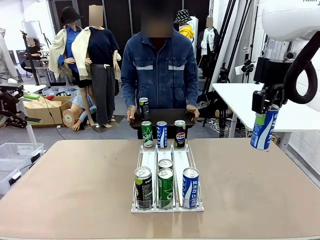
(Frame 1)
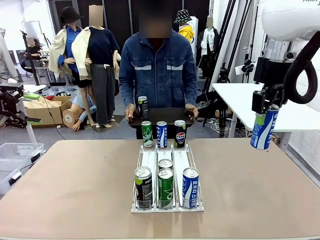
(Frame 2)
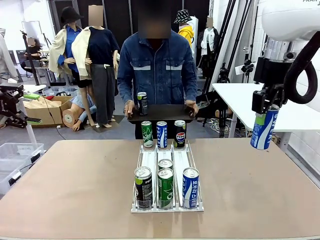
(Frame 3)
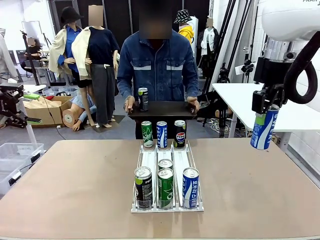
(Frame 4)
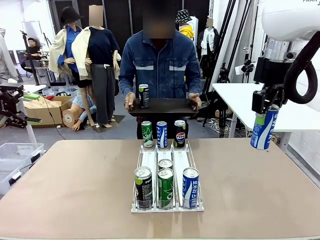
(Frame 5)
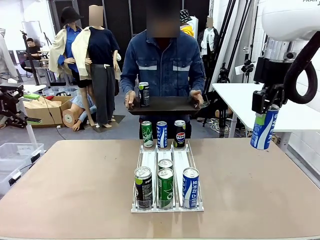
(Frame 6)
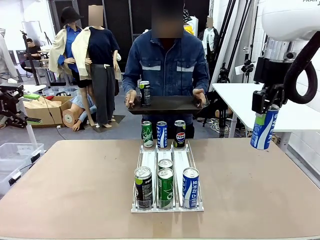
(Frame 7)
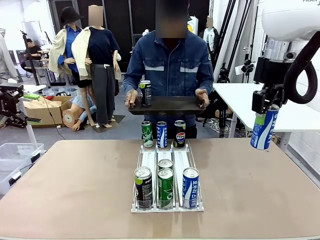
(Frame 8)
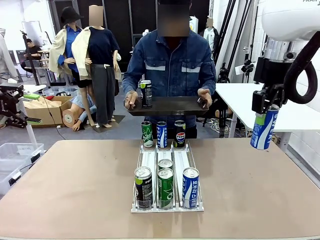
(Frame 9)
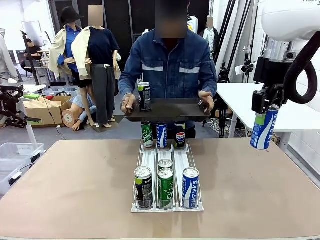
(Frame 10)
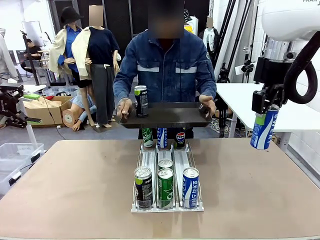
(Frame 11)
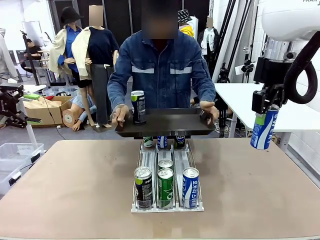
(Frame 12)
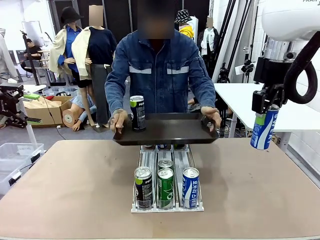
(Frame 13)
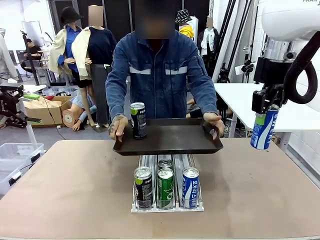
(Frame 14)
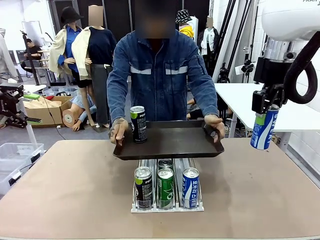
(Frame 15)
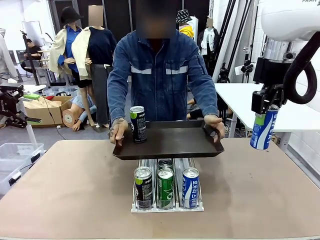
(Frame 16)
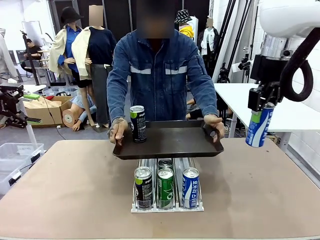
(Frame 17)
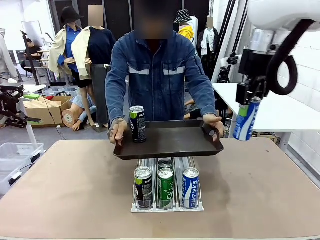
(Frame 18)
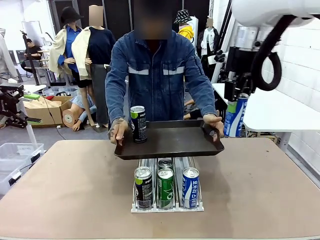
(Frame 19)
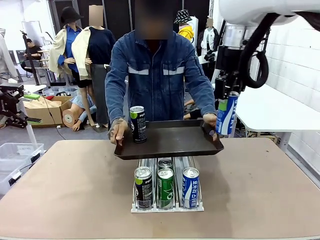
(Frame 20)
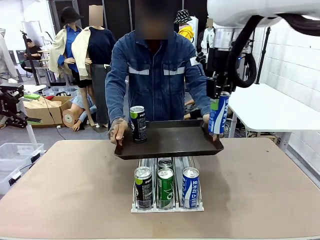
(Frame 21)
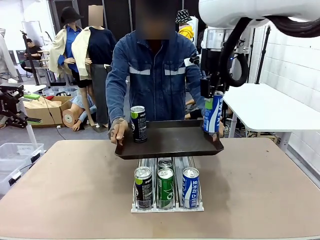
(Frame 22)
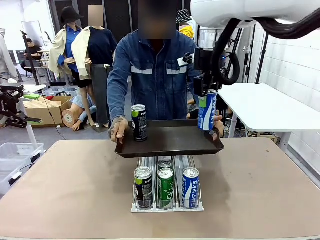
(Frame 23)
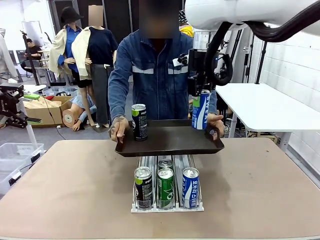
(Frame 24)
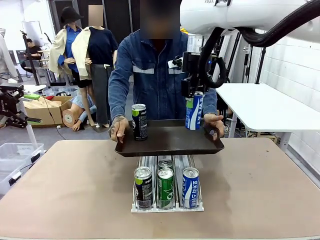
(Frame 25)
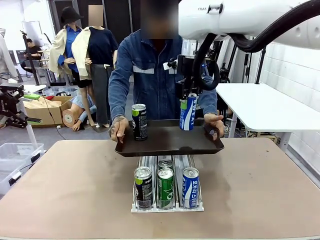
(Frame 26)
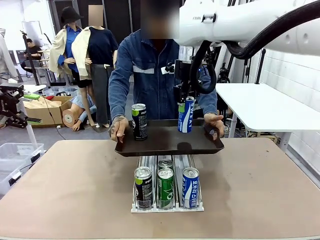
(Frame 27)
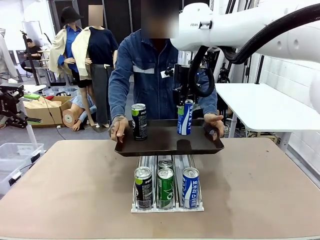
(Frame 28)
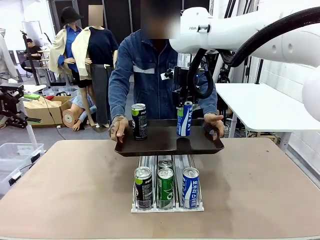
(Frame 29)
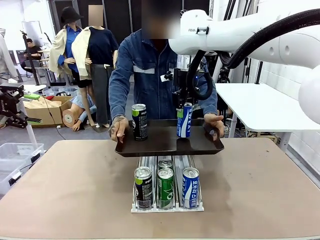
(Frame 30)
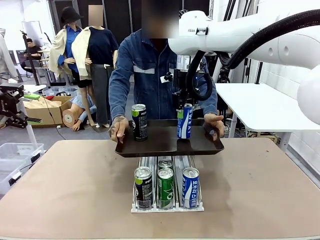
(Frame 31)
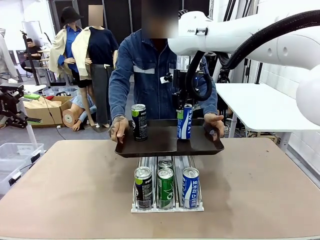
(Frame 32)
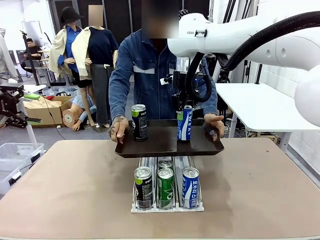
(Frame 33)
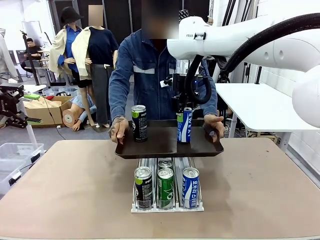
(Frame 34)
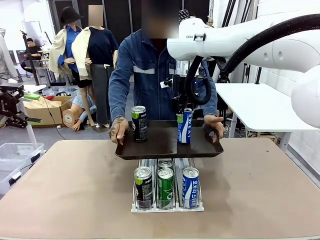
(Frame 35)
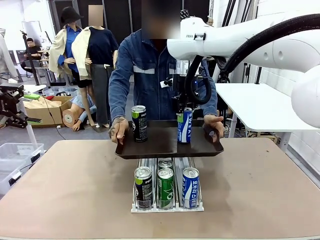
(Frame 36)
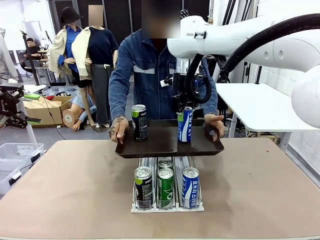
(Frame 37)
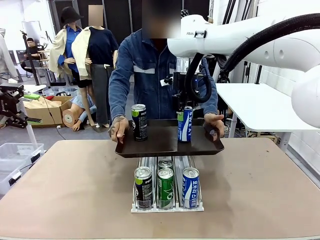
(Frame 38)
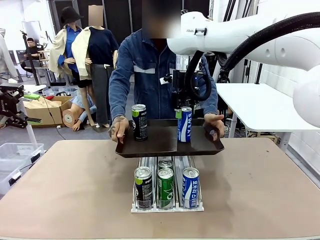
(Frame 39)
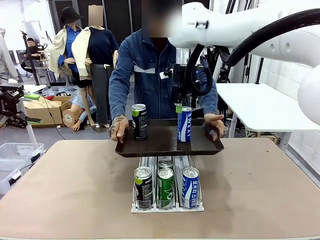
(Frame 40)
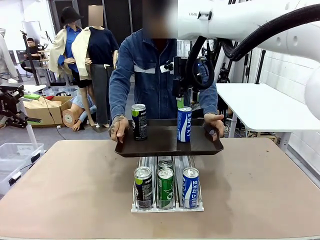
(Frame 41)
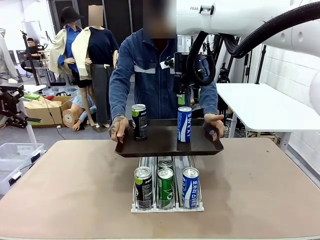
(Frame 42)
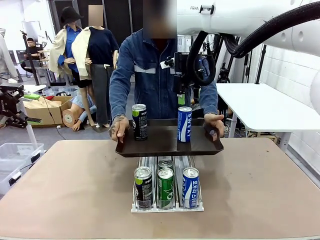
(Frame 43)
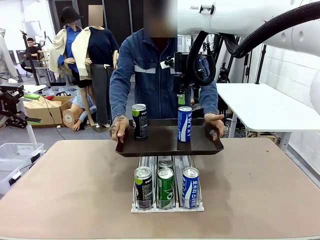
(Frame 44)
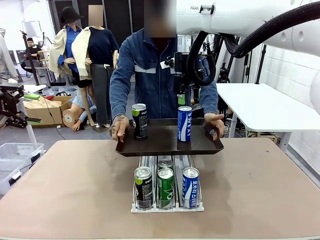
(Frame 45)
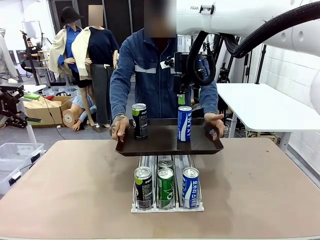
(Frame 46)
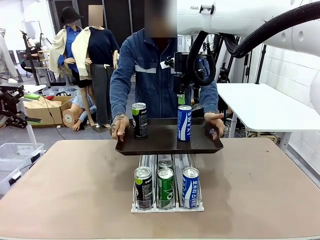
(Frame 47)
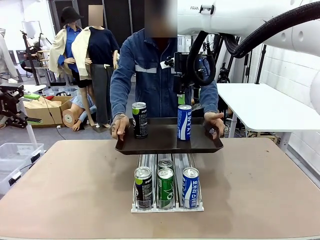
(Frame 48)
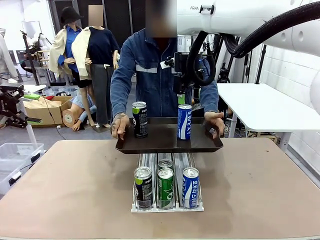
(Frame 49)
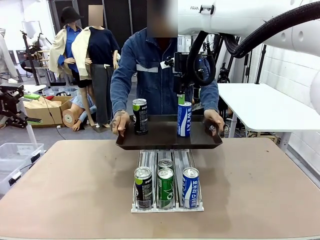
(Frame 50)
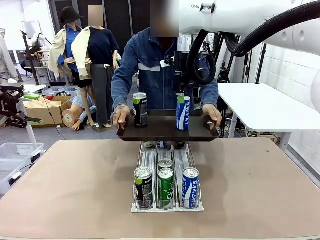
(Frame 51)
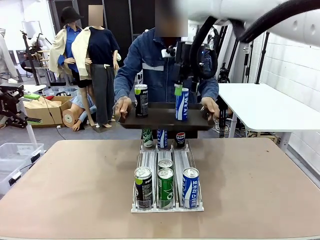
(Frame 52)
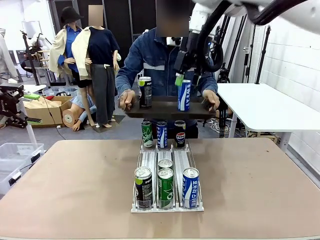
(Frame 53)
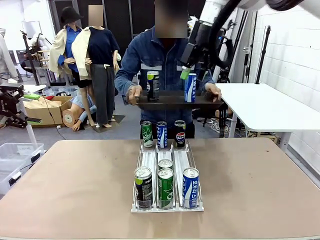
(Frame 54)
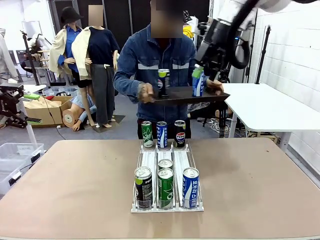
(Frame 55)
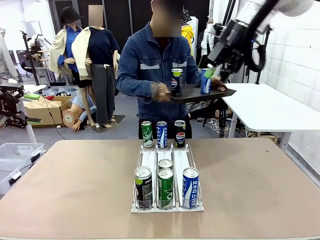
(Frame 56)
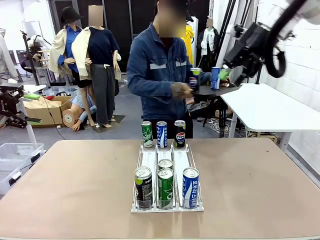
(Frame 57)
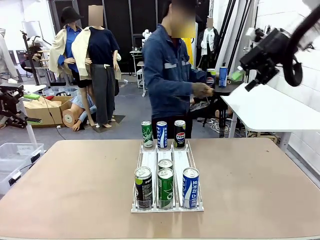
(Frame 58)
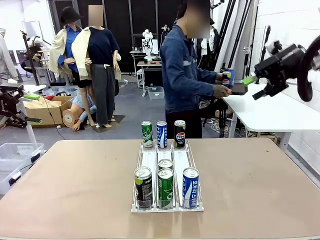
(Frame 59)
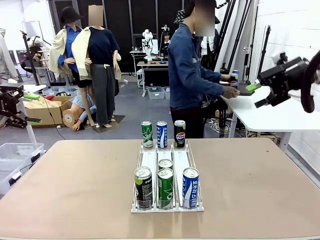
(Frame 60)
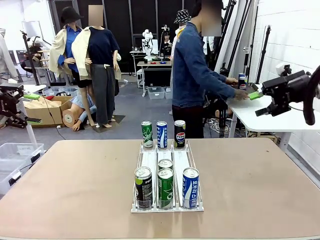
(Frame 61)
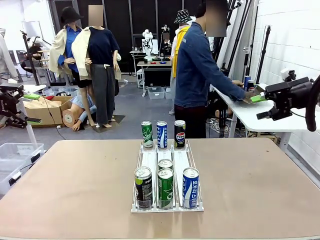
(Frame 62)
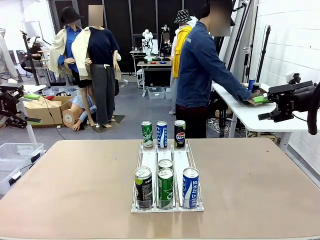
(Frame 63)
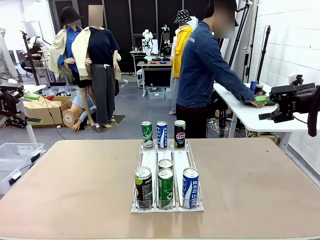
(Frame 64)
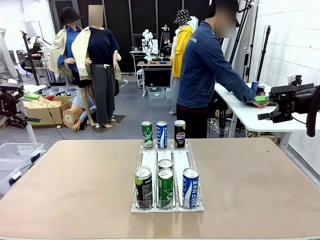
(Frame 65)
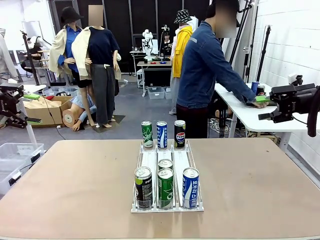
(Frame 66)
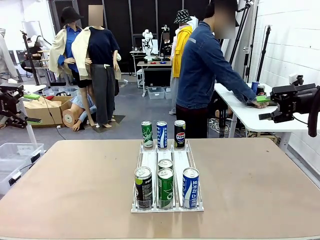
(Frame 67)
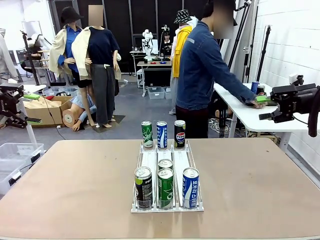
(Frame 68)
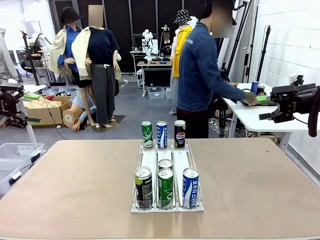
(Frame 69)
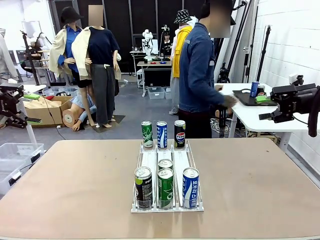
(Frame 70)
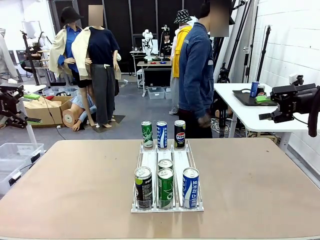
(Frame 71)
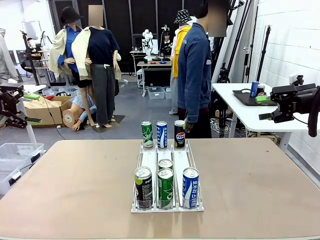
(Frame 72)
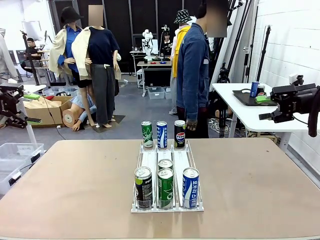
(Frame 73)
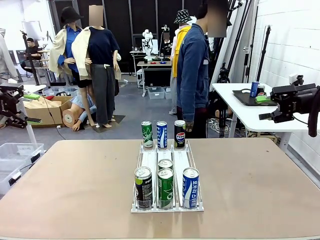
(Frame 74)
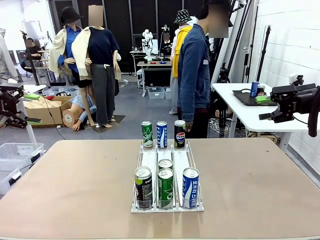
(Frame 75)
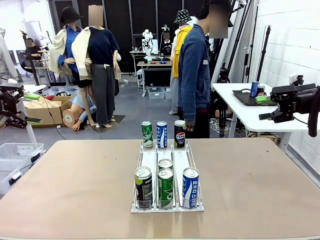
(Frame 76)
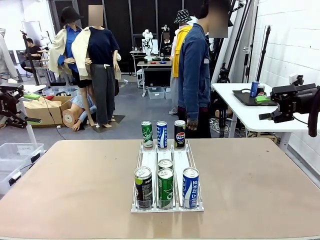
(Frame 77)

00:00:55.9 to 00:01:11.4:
Task: Retrieve and hand over the desired beverage to the person.
Robot: Place the picked can on the Handle tray extended by the person.
Person: Pull the tray back and place it at the center of the human table.

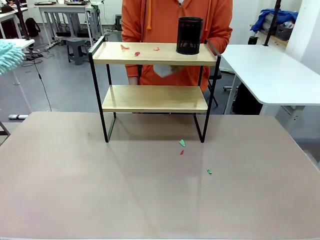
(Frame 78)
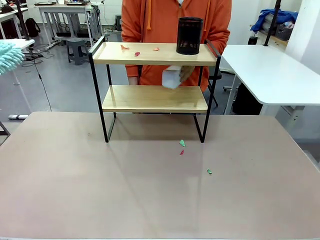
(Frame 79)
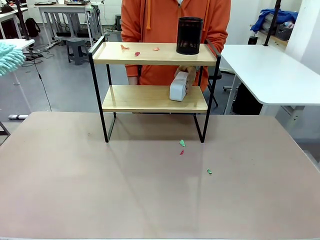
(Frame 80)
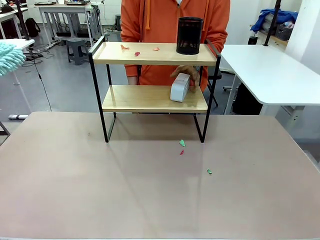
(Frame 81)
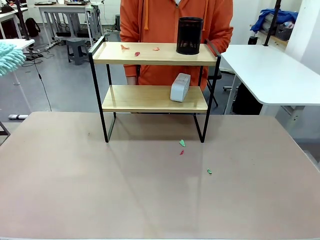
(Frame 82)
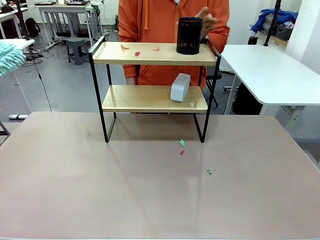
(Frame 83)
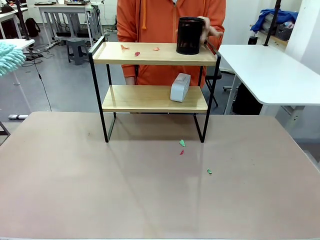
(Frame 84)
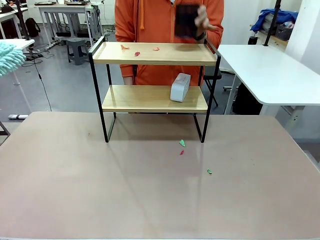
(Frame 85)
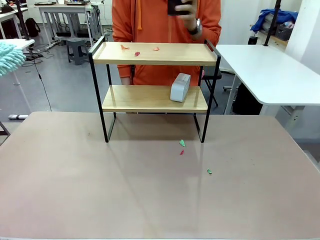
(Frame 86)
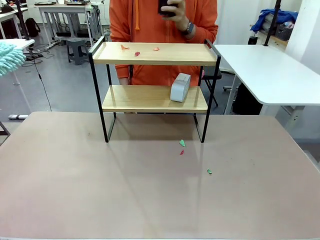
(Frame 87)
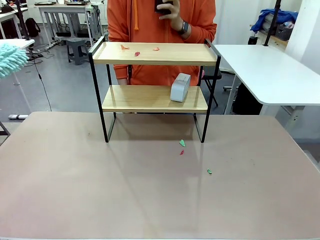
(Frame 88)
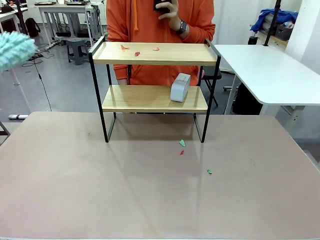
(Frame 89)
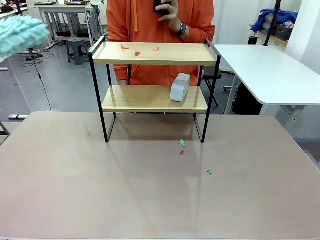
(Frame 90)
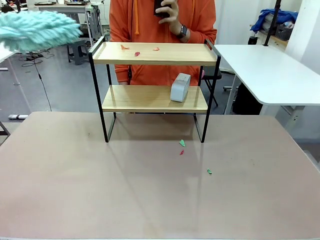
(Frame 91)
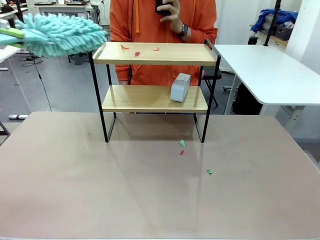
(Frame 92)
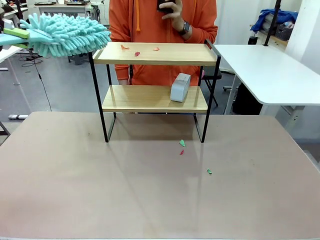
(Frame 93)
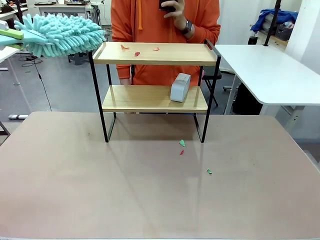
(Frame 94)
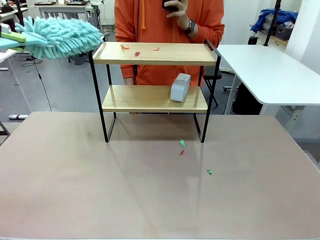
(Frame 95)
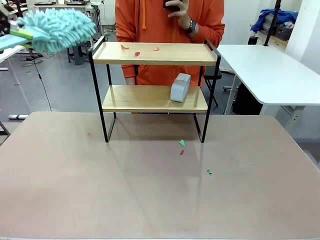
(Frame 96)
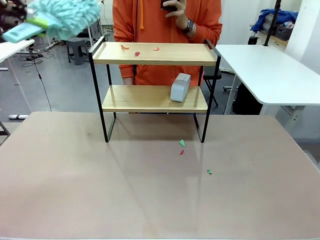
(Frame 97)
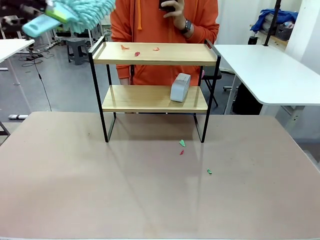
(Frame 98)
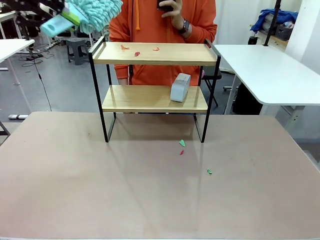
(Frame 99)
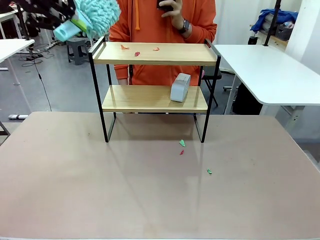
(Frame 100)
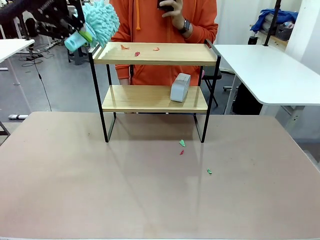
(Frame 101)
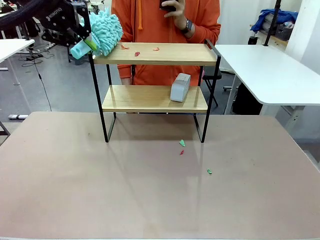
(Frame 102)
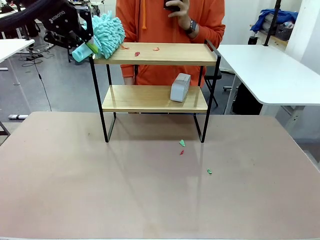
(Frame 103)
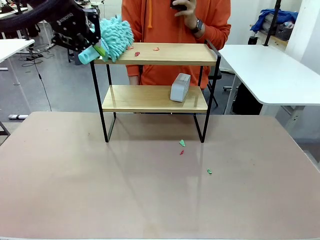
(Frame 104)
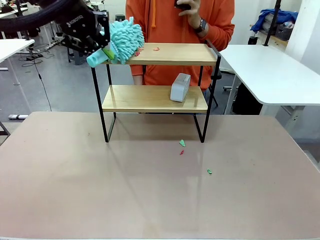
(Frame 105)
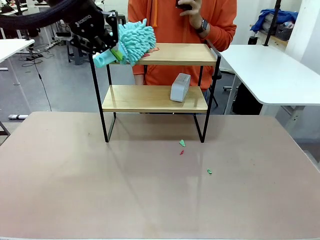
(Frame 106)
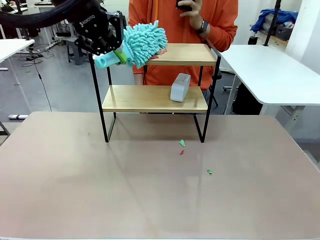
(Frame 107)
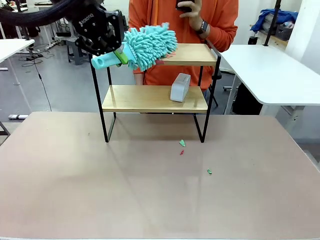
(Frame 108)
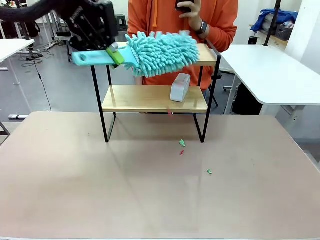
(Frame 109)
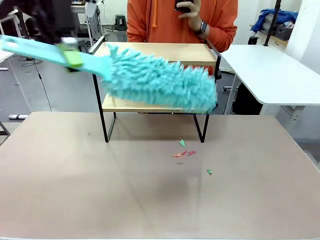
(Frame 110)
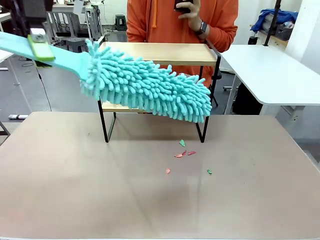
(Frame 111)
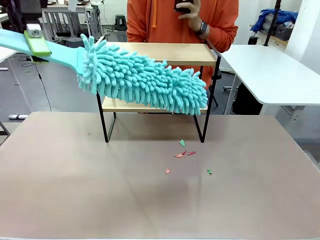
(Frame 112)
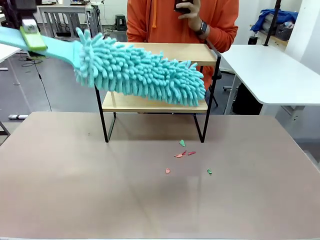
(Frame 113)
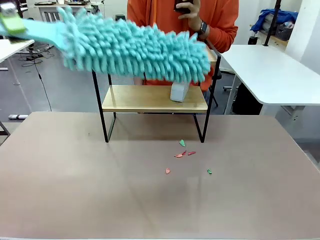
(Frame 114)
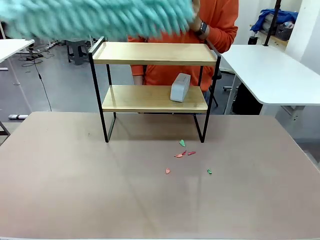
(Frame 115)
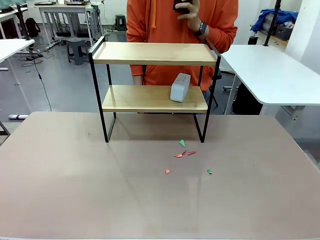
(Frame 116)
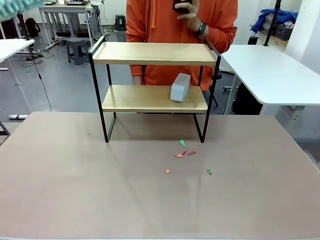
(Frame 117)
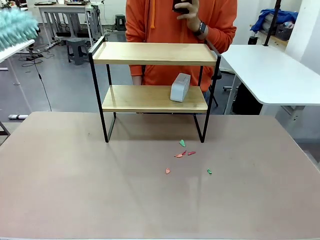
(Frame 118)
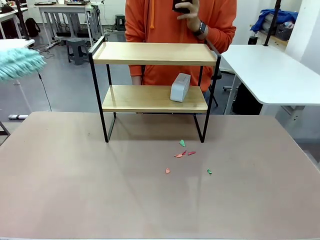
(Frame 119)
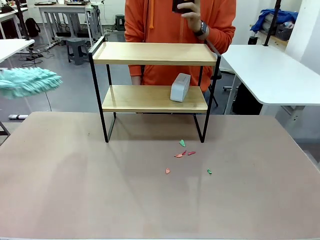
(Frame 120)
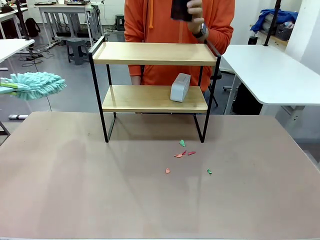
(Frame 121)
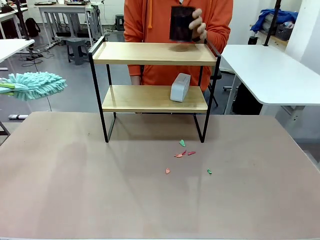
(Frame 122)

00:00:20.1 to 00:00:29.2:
Task: Clean the shelf.
Robot: Clean the remaining tier of the Shelf with the Duster once objects are removed.
